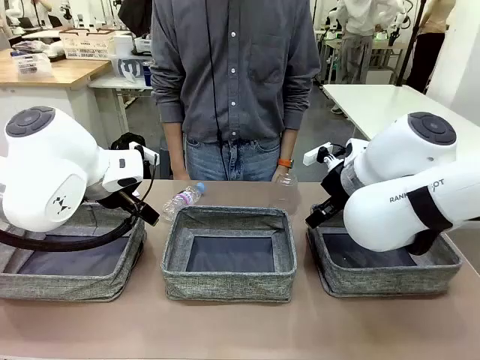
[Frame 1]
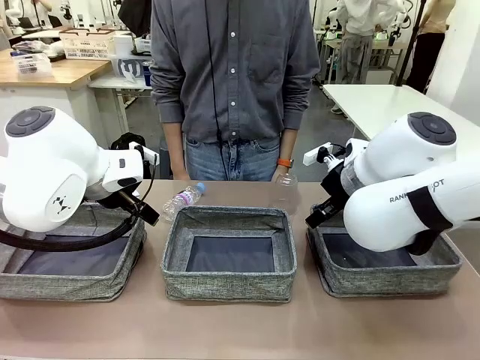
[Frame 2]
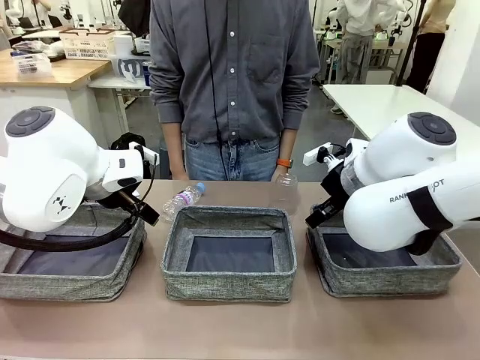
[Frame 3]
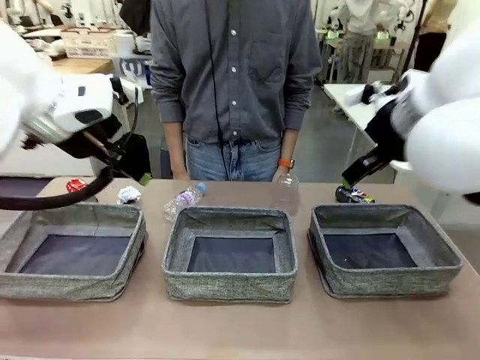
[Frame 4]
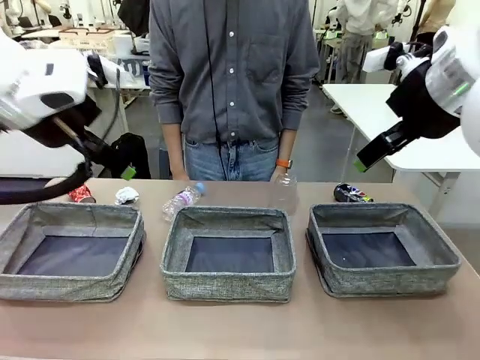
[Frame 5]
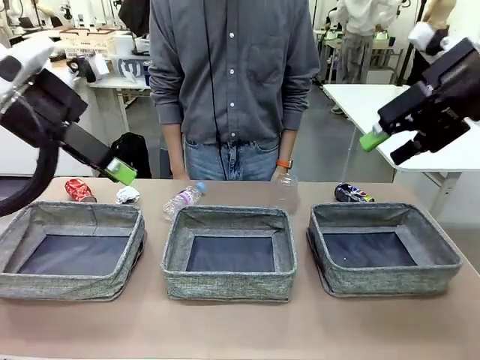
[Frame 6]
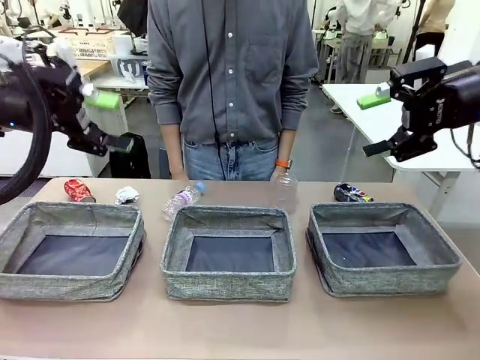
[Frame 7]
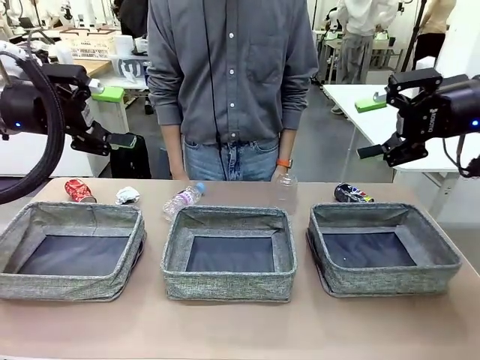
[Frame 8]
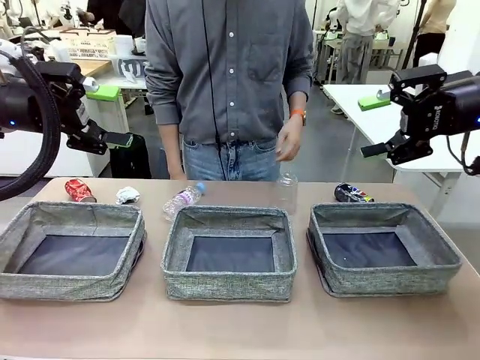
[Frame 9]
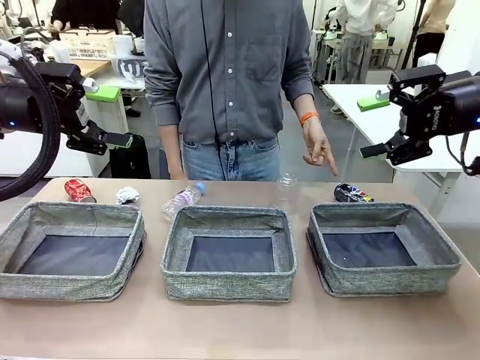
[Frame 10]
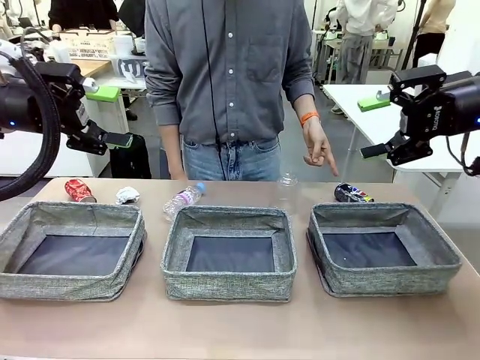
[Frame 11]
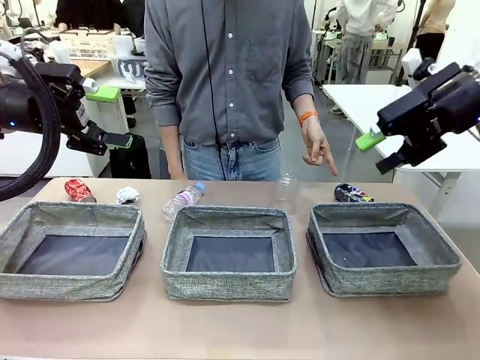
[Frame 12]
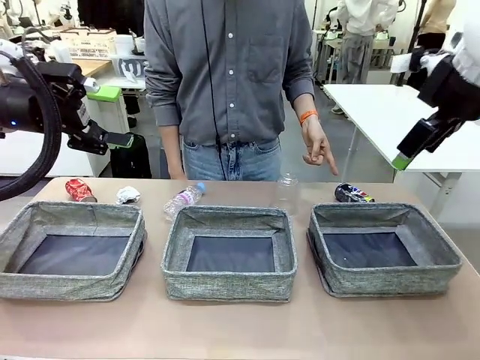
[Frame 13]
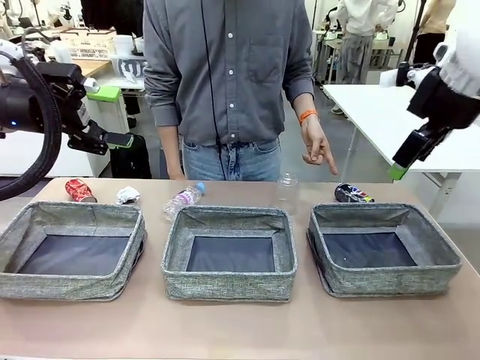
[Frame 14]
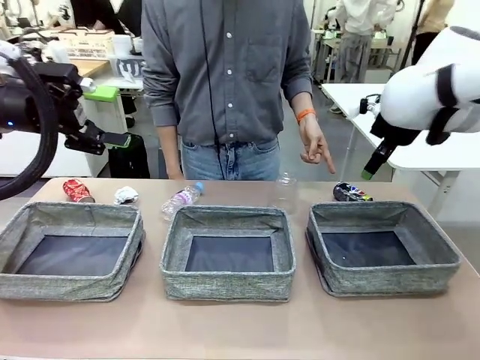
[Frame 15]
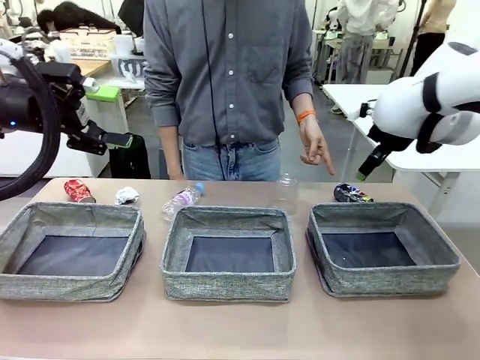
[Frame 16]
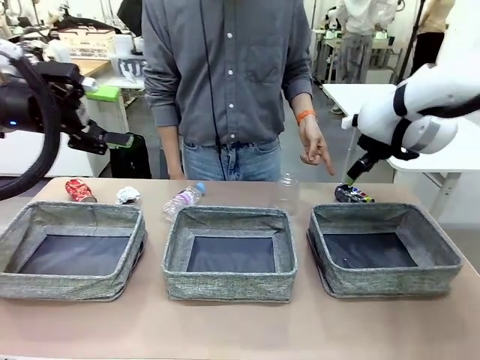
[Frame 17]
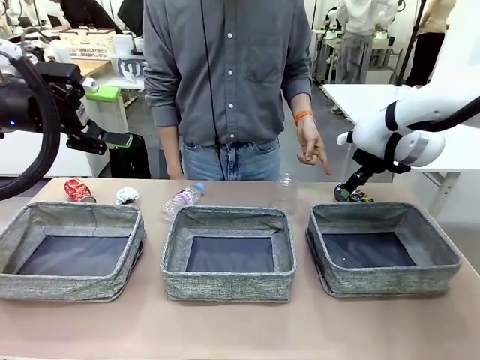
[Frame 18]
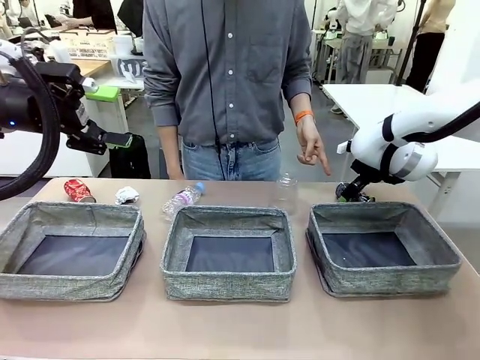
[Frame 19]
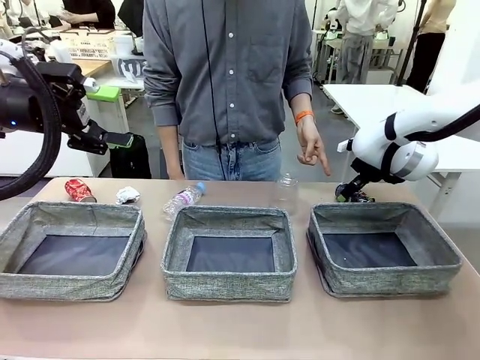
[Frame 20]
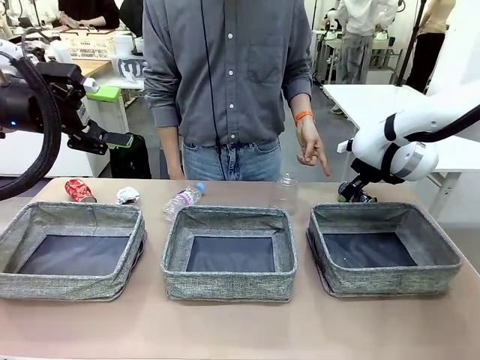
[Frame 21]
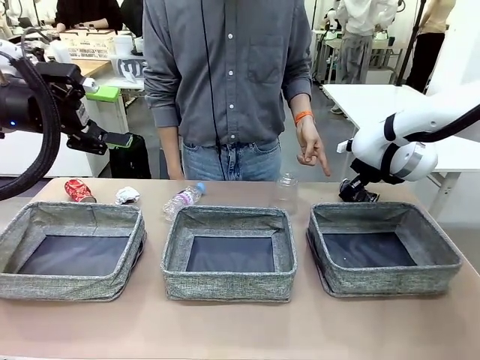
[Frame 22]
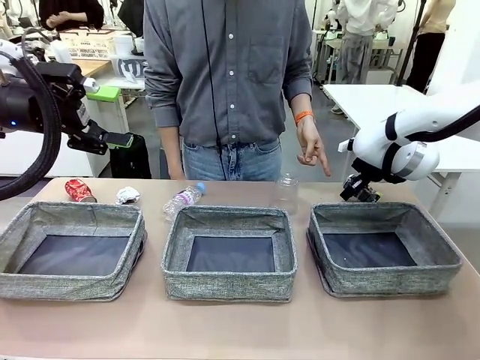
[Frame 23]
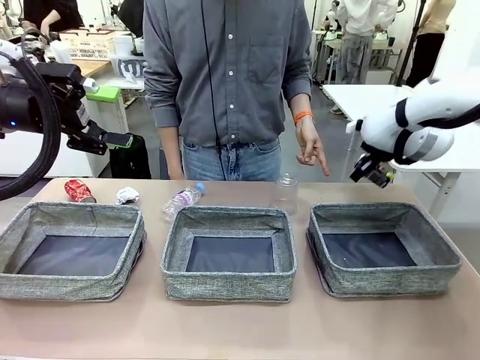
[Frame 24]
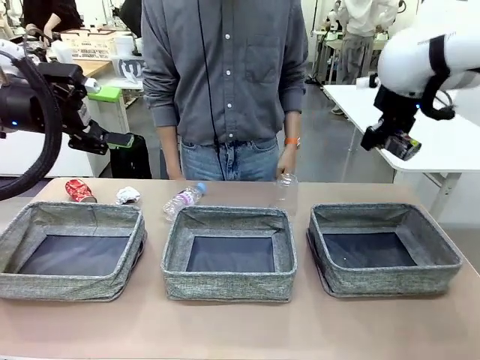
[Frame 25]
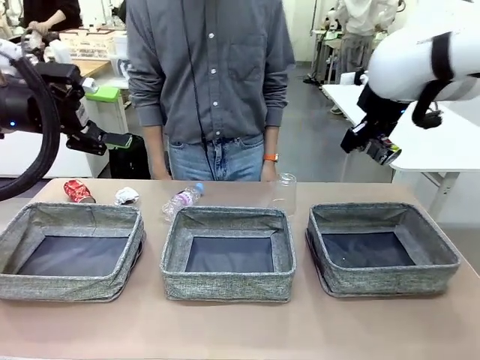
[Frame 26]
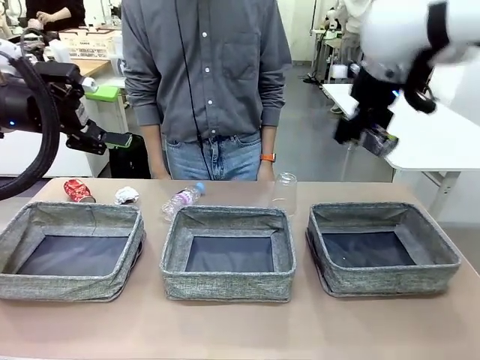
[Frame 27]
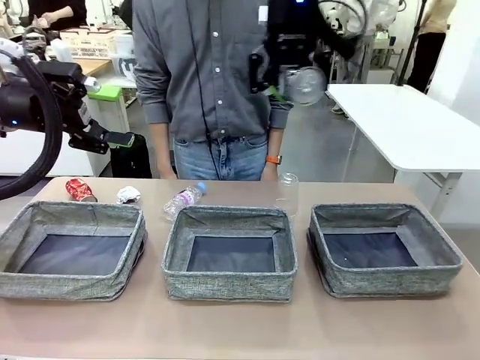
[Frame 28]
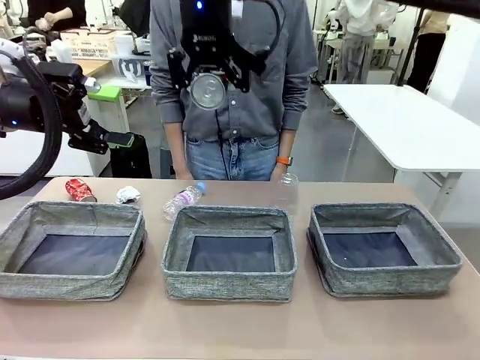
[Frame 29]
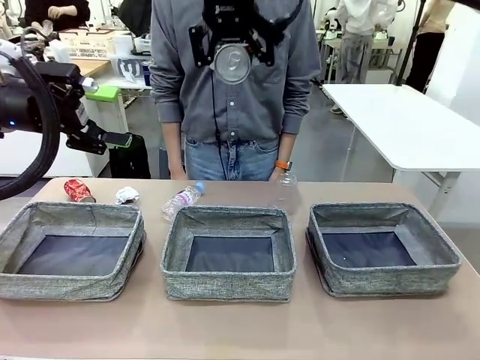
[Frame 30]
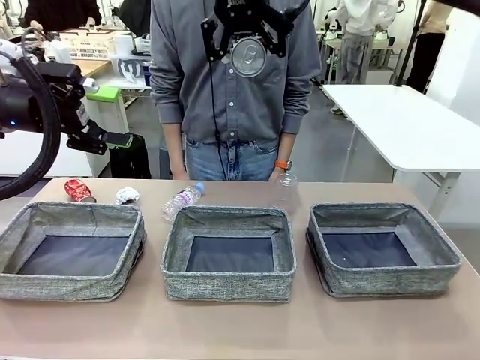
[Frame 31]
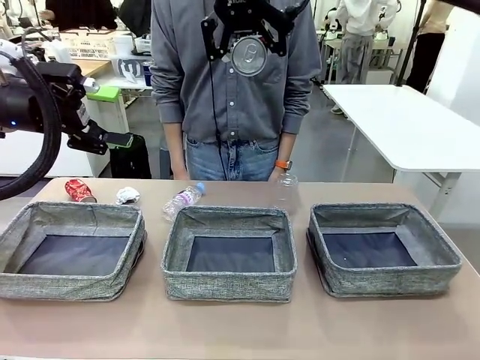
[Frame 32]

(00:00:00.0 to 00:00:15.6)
Task: Sort the waste into the appropriate baskets.
Robot: Pick up the waste item pointed out by the person.
Person: Points to one piece of trash on the table.

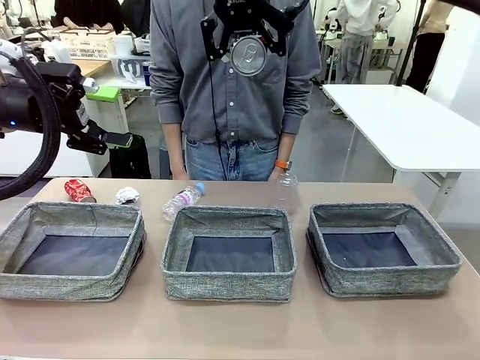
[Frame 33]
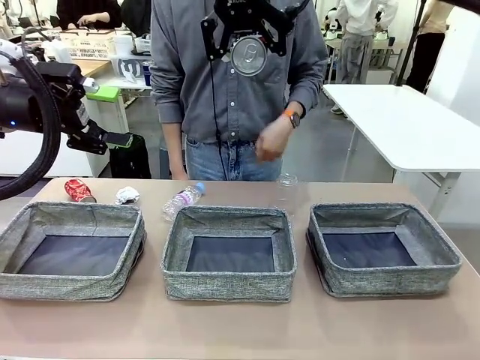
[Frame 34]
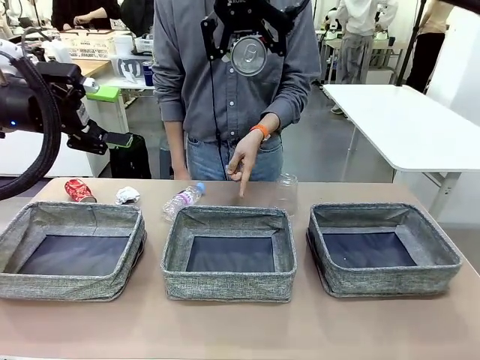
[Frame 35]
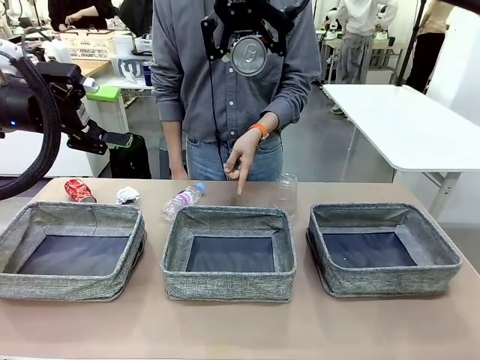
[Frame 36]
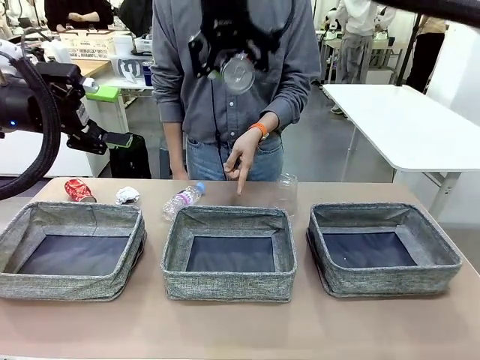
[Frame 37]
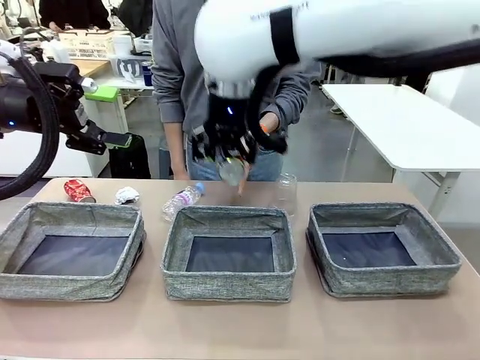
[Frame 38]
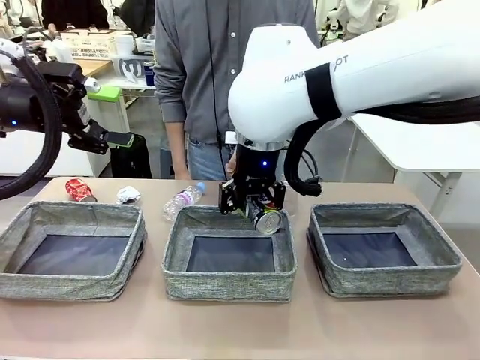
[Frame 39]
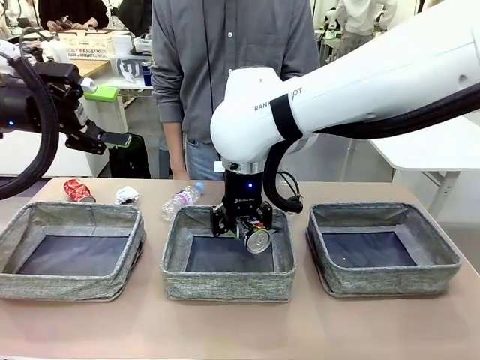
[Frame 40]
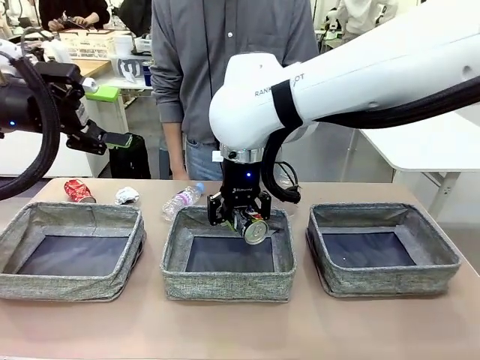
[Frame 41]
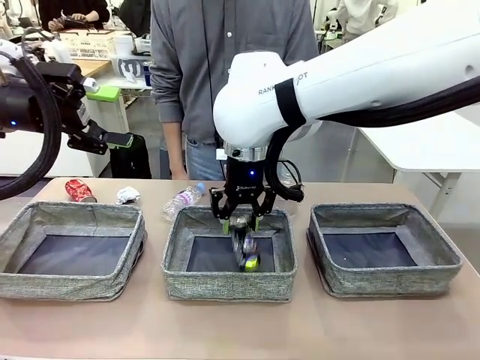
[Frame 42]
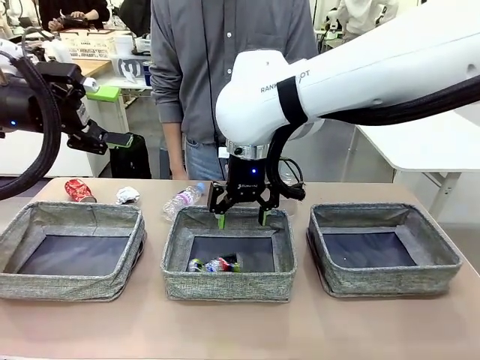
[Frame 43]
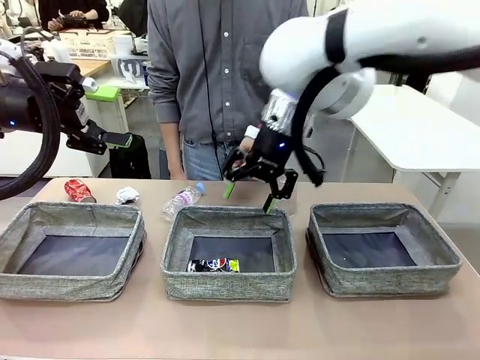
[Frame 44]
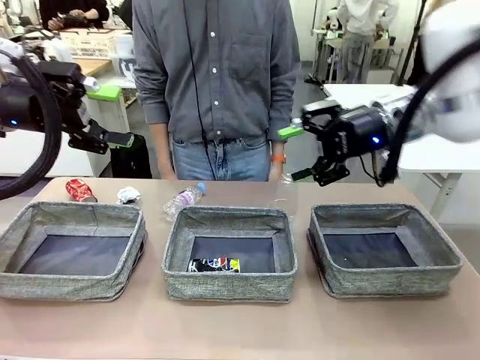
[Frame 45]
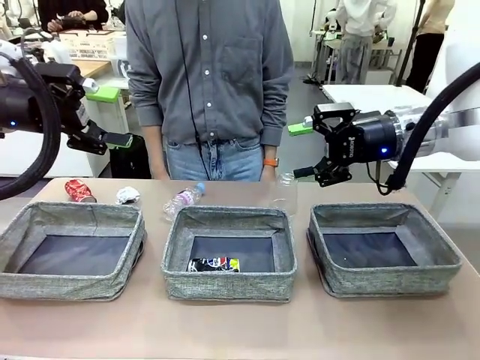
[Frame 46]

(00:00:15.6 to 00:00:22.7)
Robot: Place the picked waste into the Fabric basket indicated by the person.
Person: Instructs the robot to place the picked-up trash into the appropriate organizing basket.

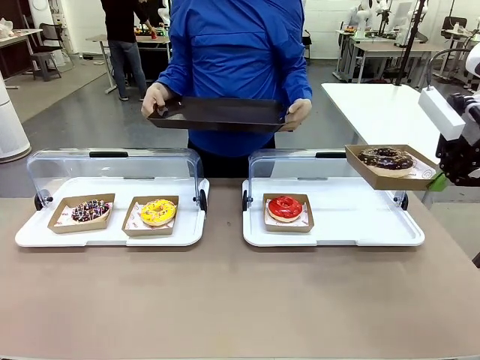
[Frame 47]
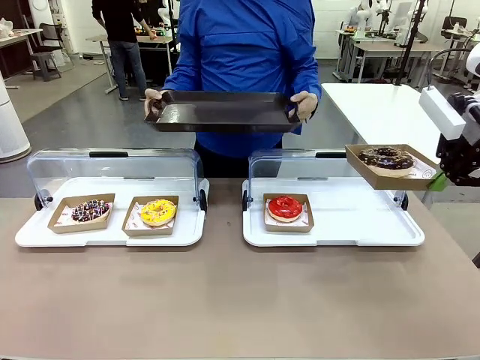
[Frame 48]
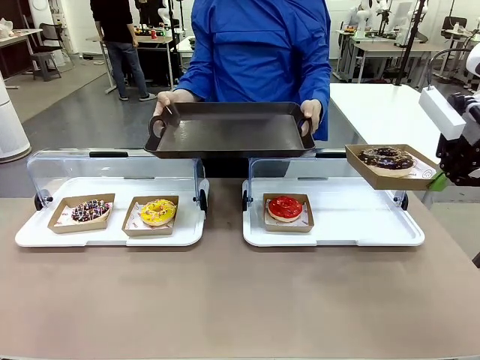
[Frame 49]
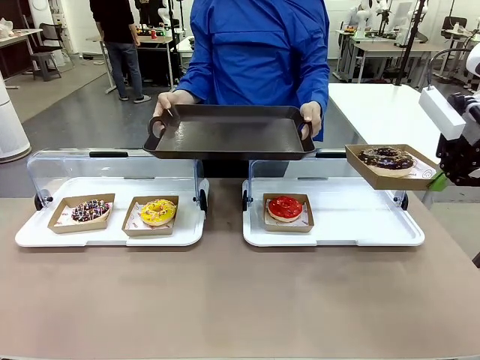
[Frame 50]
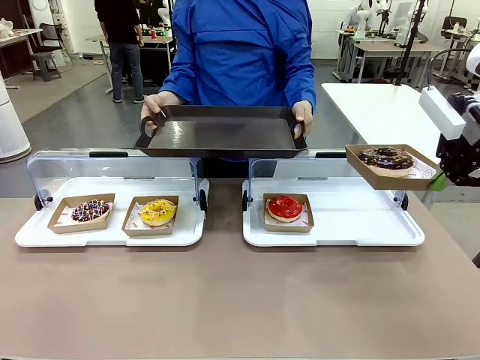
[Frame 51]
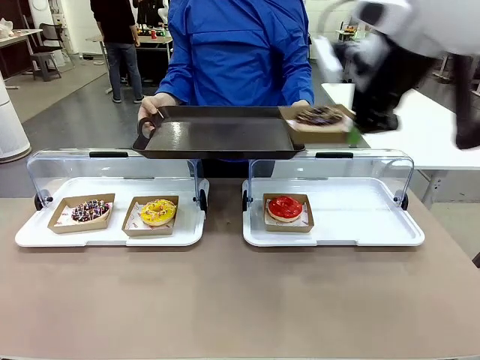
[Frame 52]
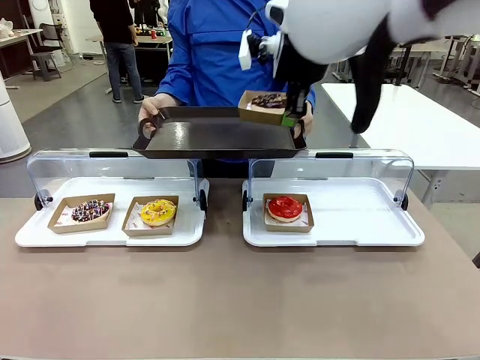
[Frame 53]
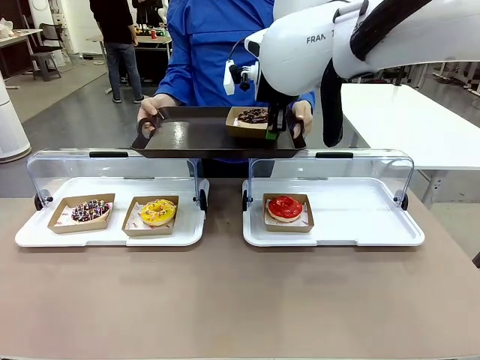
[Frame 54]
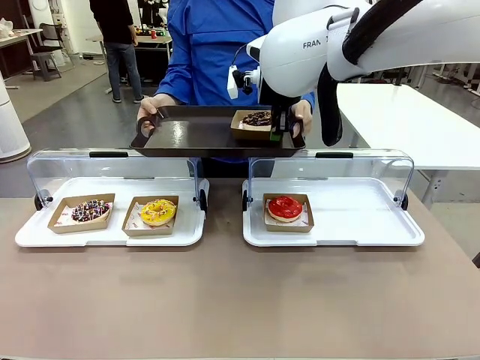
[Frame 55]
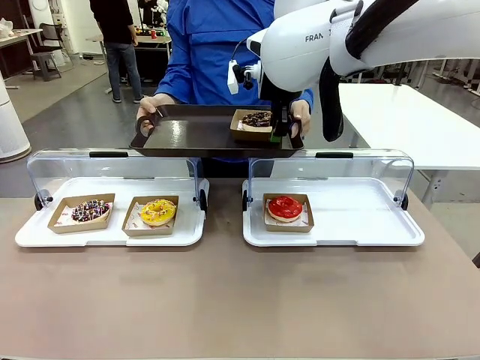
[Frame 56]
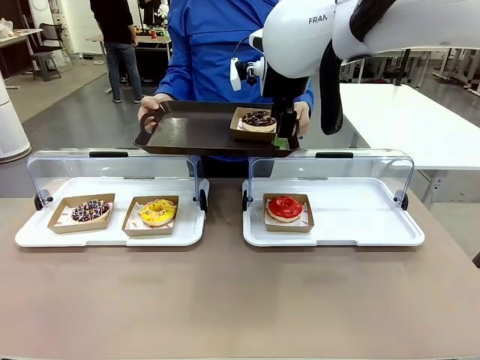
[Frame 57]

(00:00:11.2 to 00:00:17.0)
Task: Provide the desired donut to the person.
Robot: Place the picked Paper togo box onto the Handle tray extended by the person.
Person: Point to one donut.
